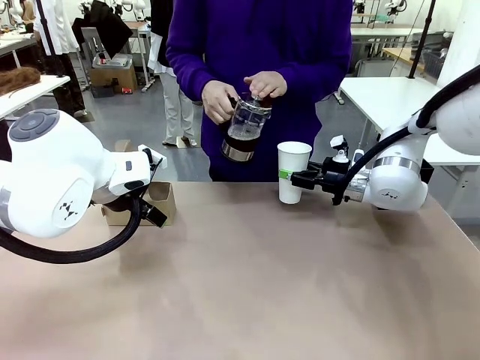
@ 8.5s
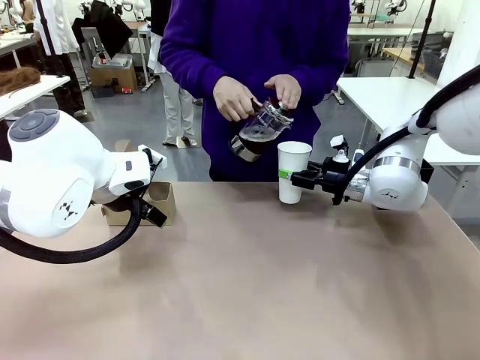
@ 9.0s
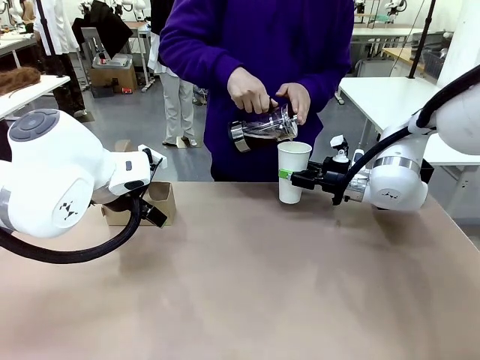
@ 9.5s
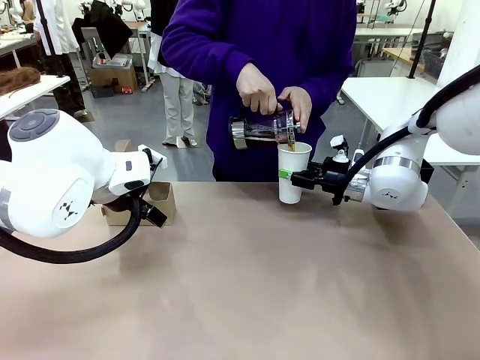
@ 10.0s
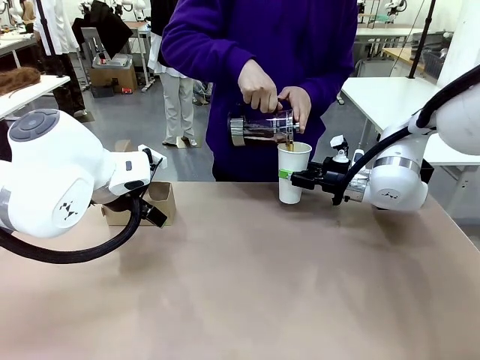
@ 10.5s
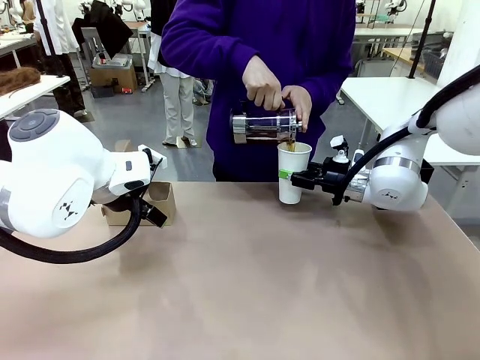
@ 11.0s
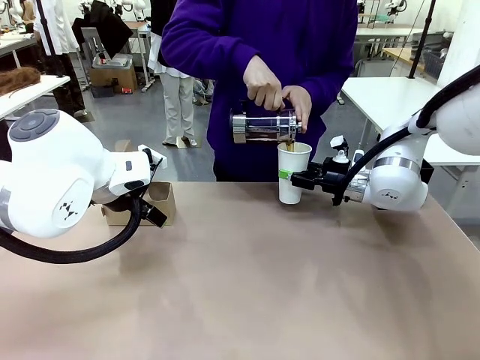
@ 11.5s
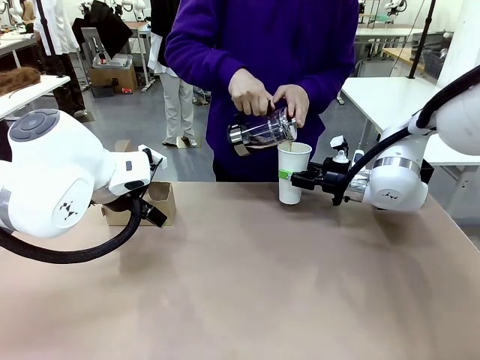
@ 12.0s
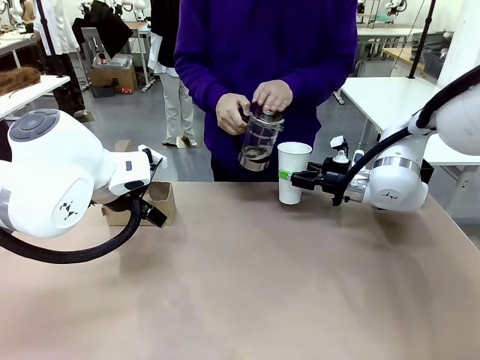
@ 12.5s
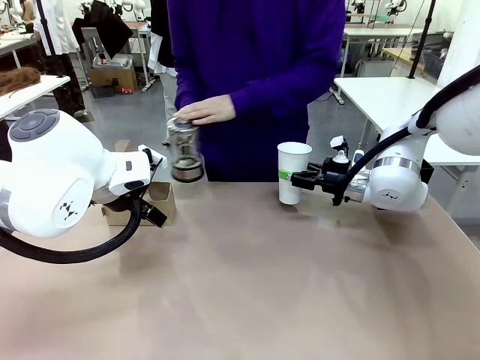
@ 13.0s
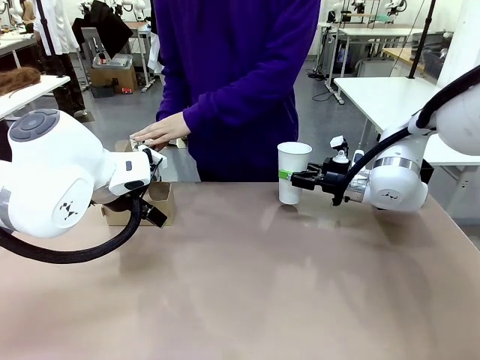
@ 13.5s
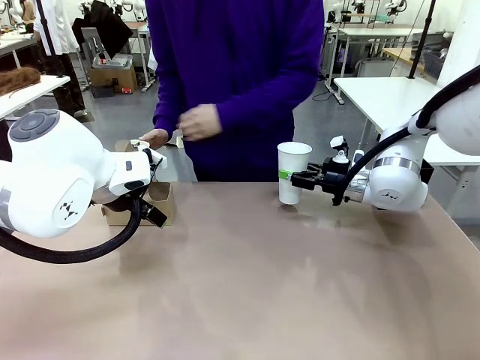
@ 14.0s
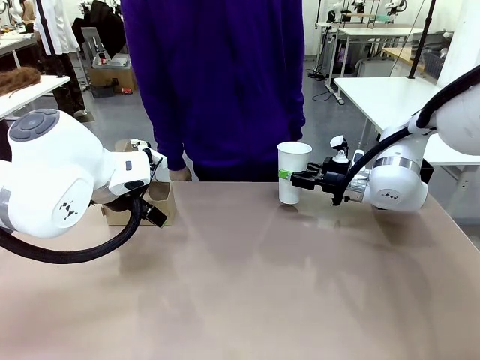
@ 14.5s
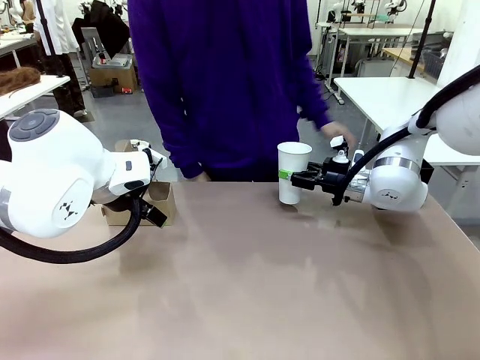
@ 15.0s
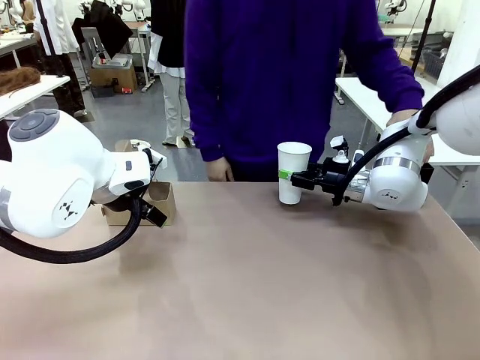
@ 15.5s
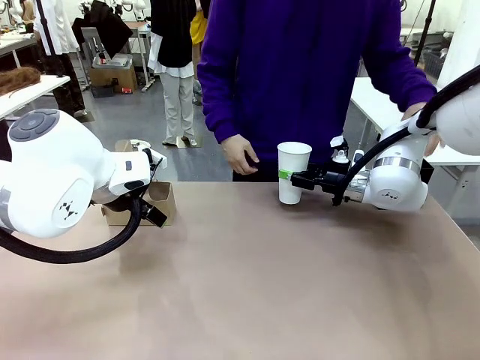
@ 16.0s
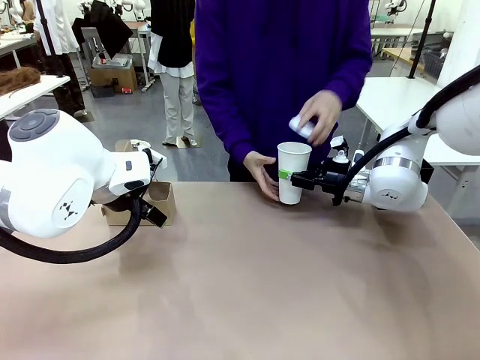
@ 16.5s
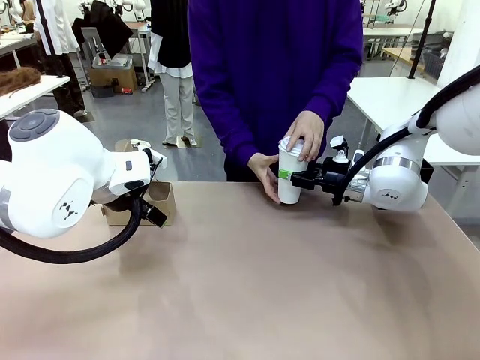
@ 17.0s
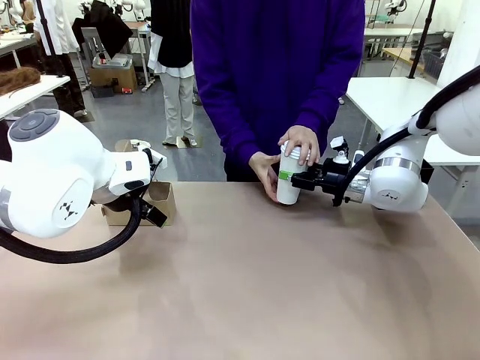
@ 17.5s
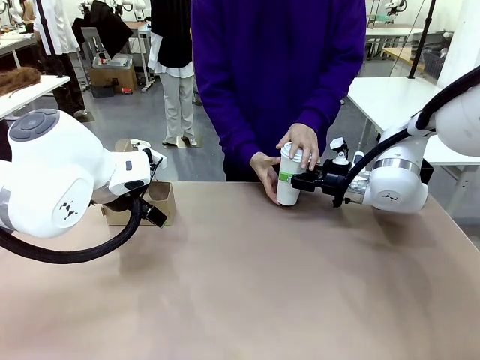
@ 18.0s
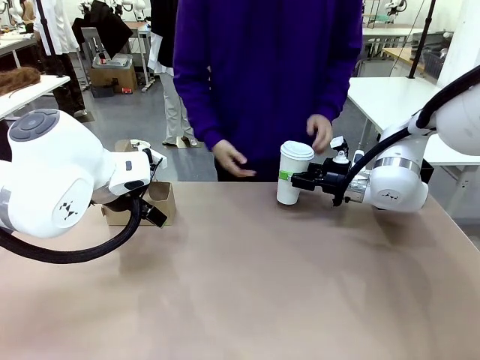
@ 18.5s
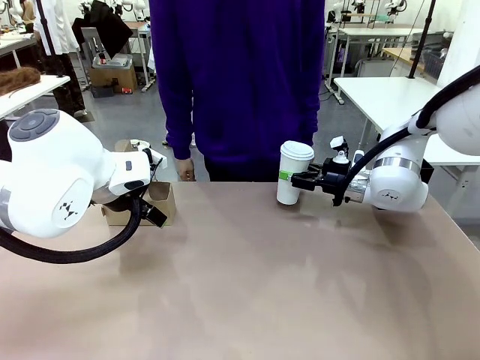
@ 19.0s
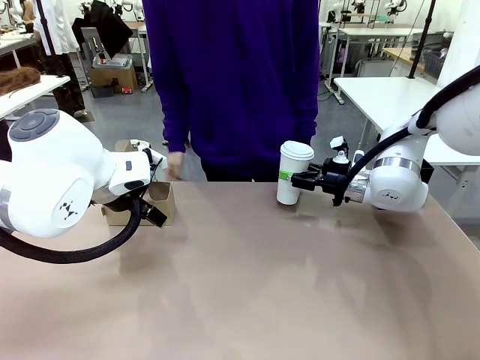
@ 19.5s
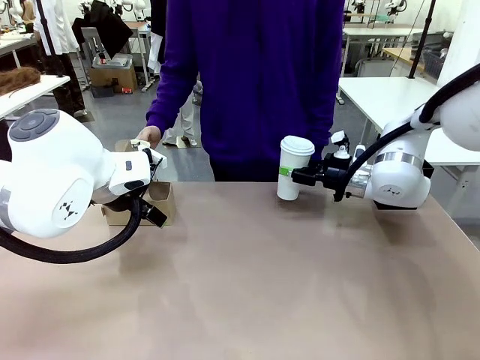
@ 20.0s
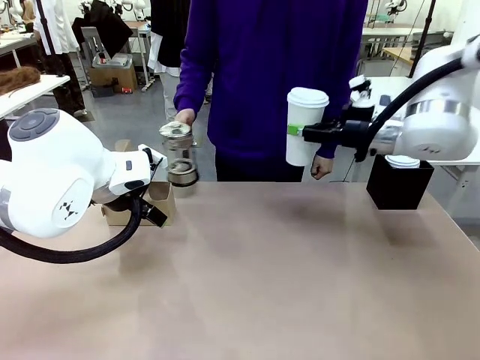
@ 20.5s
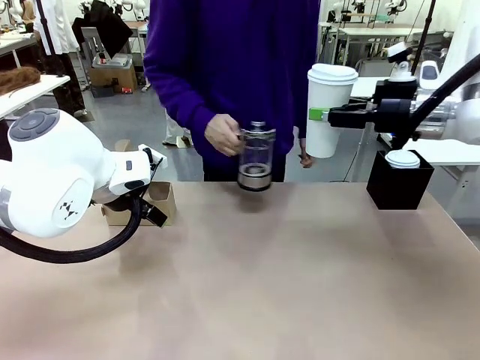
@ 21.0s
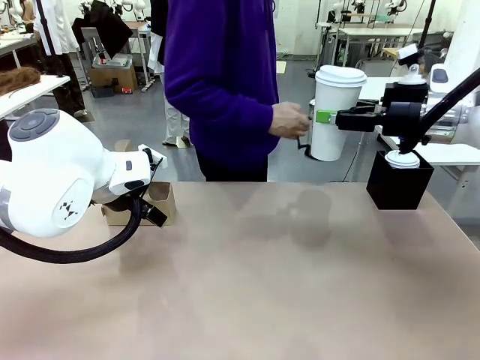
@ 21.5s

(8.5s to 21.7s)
Task: Pour a drink into a cup and package it in a carrier.
Robot: When a person places the Paper Cup Lid on the 600 ml Paper Cup , lift the 600 ml Paper Cup.
Person: Pour the drink from the Filter Brewing into the 600 ml Paper Cup. Place a Paper Cup Lid on the 600 ml Paper Cup.

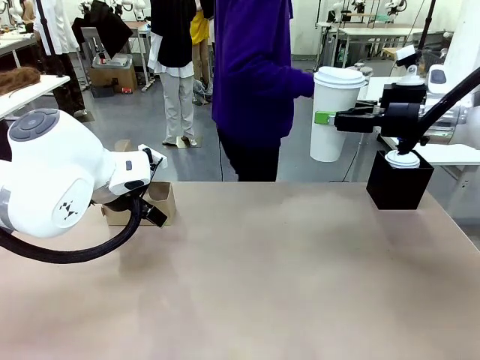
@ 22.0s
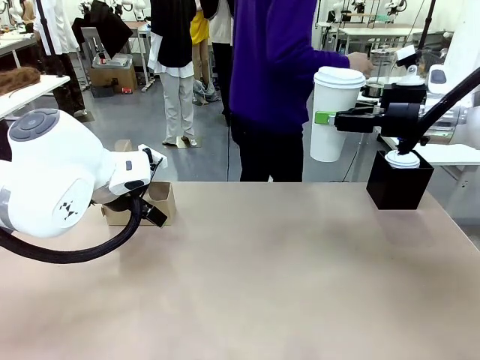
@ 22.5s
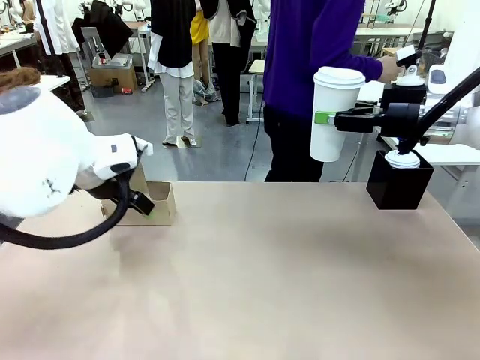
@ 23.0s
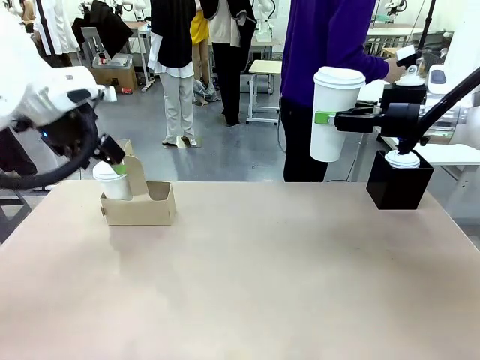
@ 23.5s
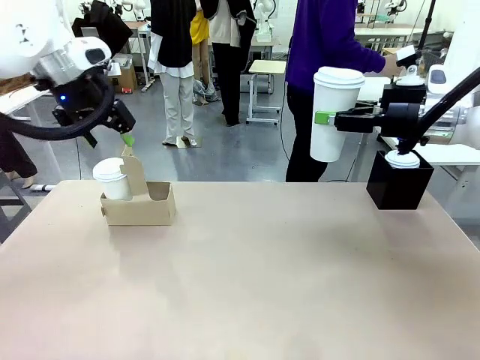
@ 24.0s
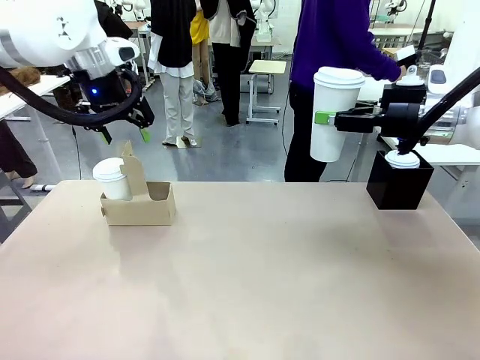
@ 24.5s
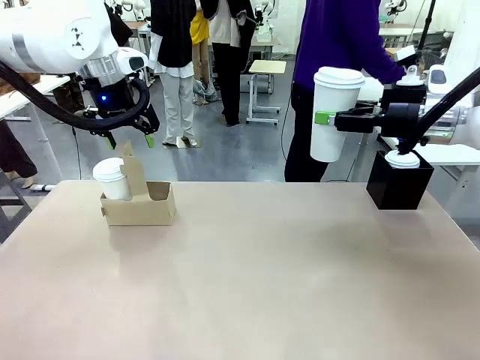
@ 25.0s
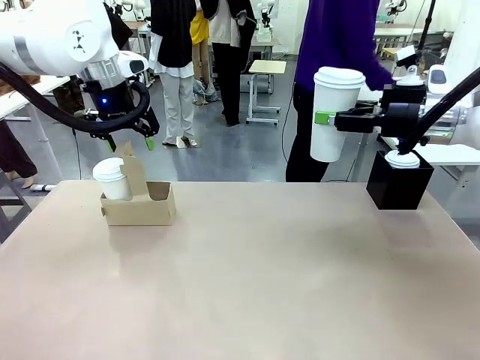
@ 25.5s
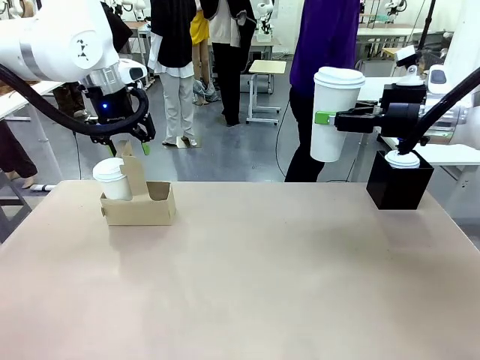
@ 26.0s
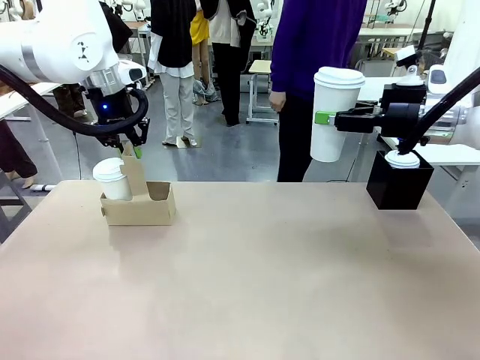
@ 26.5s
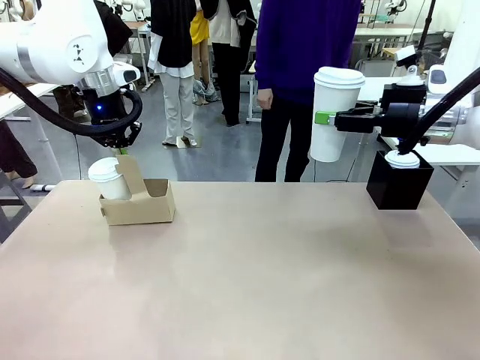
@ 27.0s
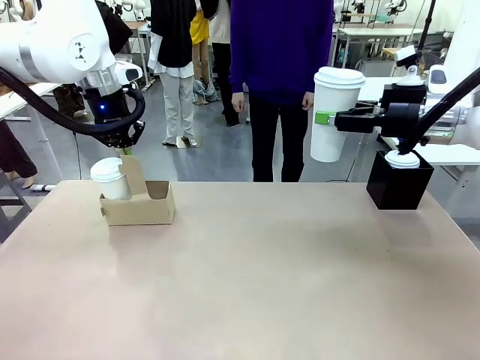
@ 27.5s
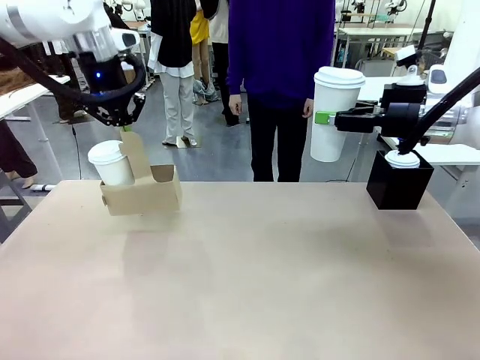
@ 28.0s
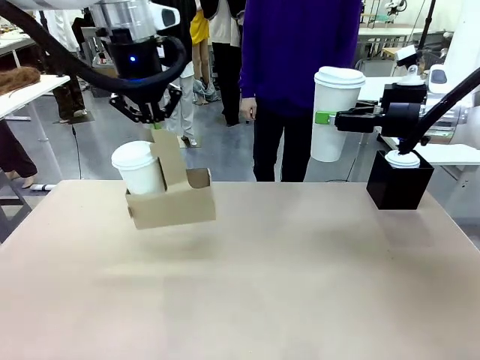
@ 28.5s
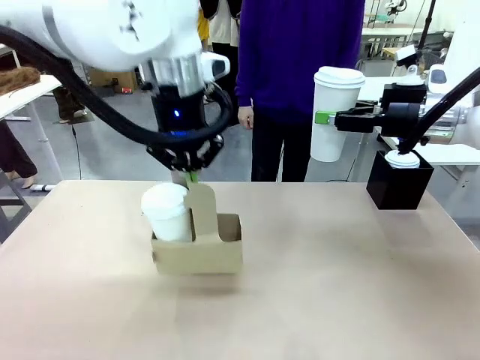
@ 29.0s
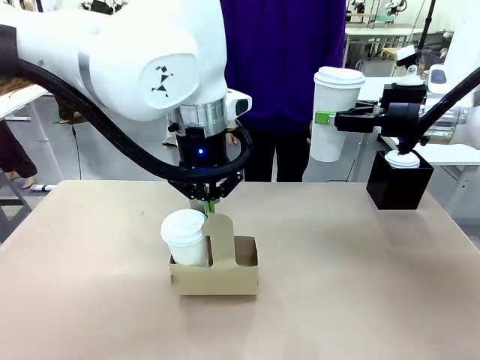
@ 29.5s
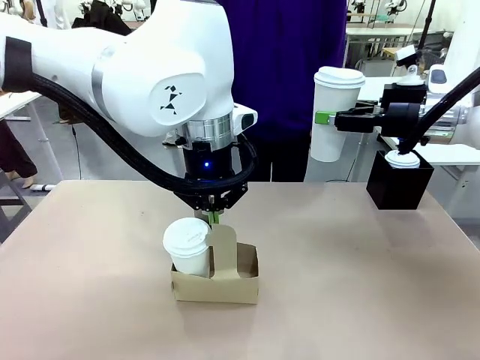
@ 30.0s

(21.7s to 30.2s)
Robot: Position the Cup Carrier in the center of the table.
Person: Pick up the Filter Brewing and place on the middle of Human table, and return to the Robot table.

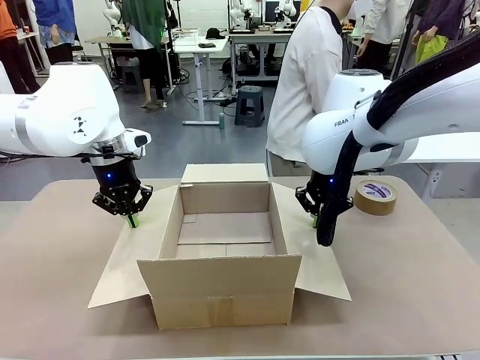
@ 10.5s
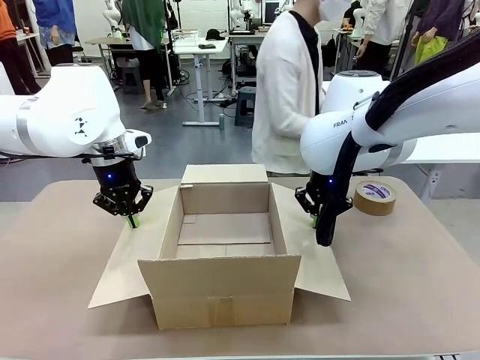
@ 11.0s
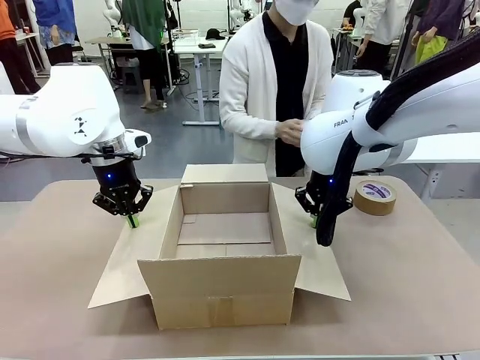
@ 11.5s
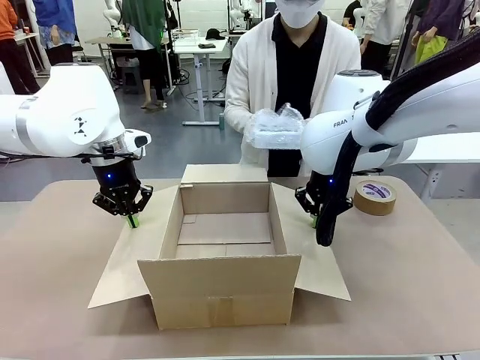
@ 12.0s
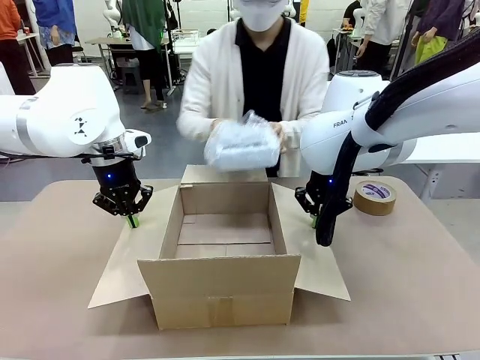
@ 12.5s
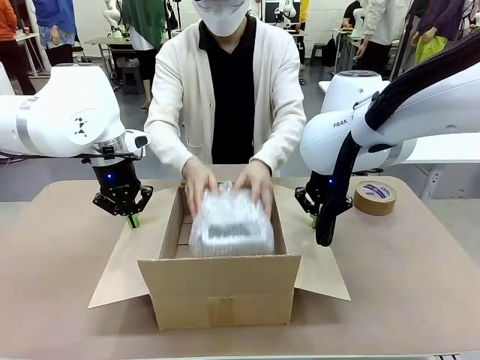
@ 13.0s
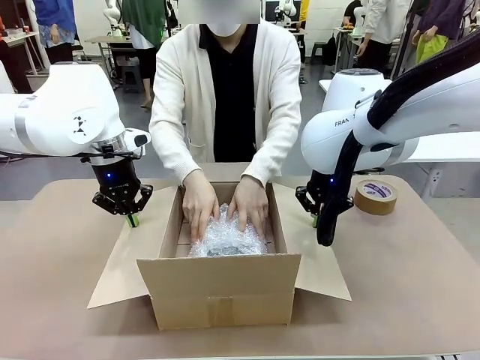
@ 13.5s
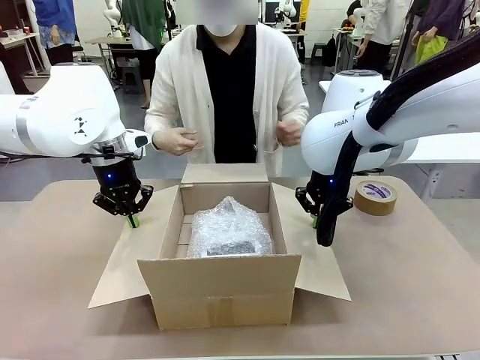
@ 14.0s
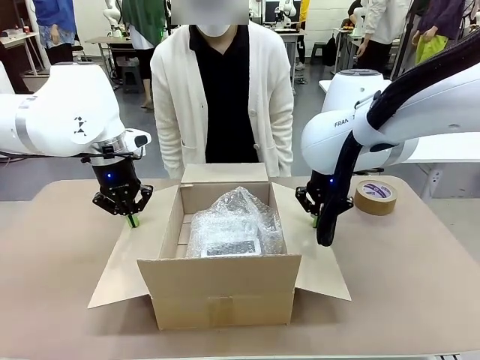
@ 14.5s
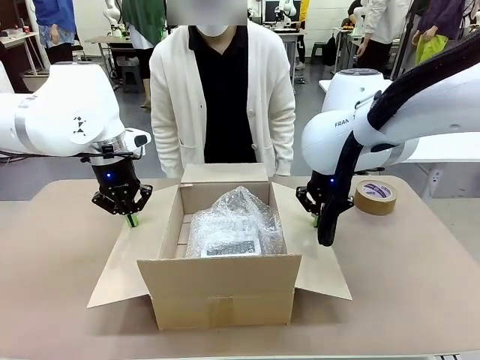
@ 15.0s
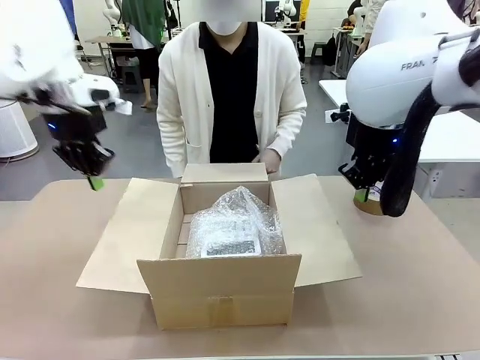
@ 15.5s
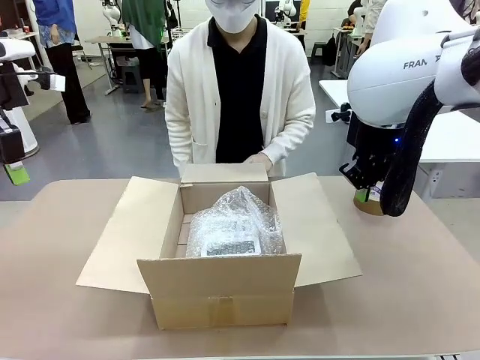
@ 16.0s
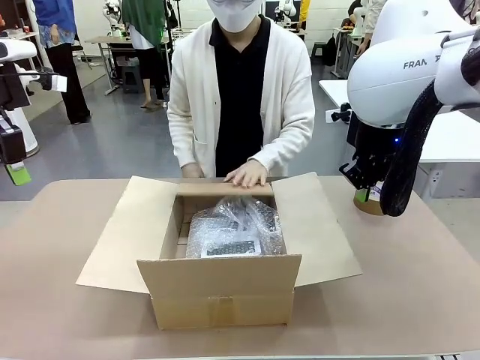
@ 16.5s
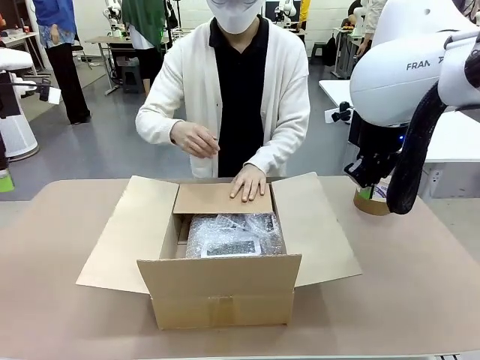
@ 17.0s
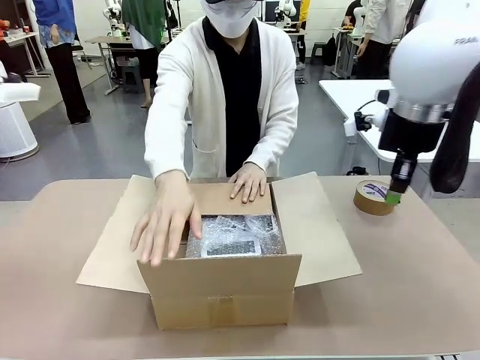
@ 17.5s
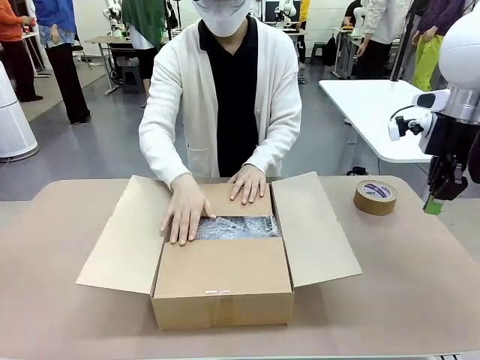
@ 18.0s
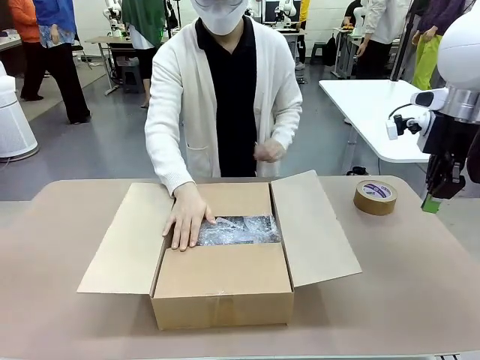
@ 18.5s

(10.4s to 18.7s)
Task: Wrap the clocks to prevent damage.
Robot: Once the human has placed the objects inside and stepped back, release both hands from the side flaps of the Package Box.
Person: Place the wrapped Digital clocks inside the Package Box. Hold the top and bottom flaps of the Package Box closed with your left (or right) hand.
